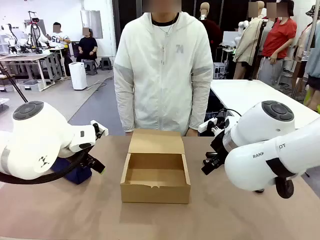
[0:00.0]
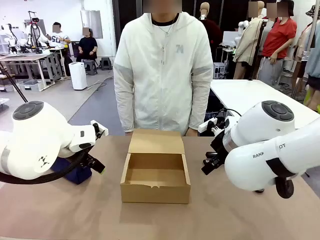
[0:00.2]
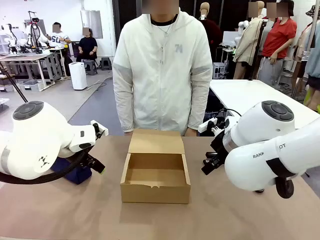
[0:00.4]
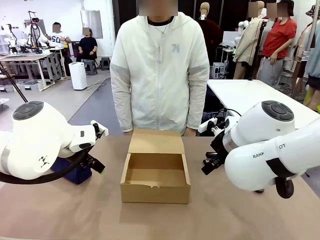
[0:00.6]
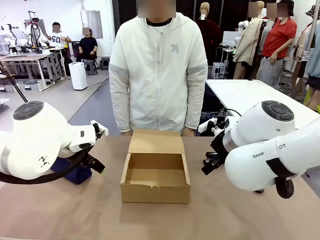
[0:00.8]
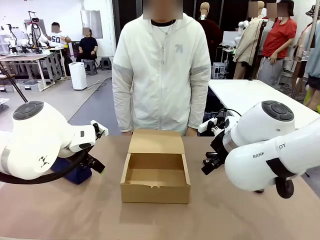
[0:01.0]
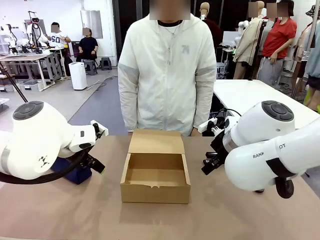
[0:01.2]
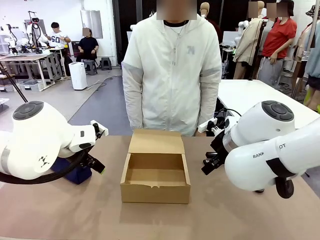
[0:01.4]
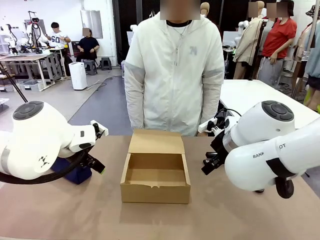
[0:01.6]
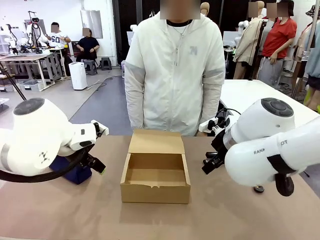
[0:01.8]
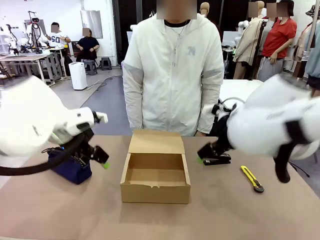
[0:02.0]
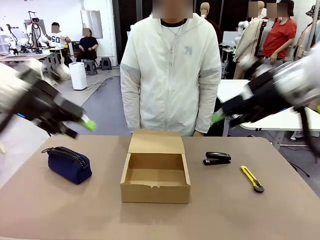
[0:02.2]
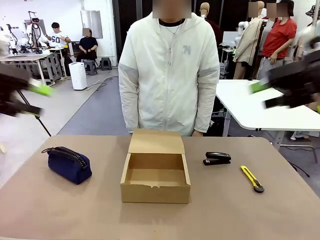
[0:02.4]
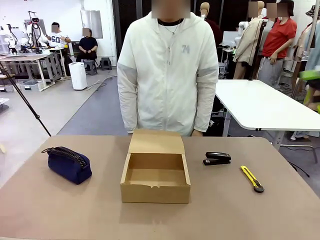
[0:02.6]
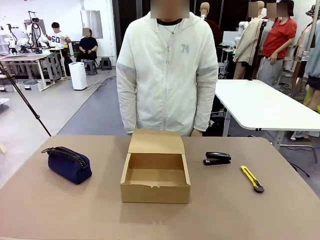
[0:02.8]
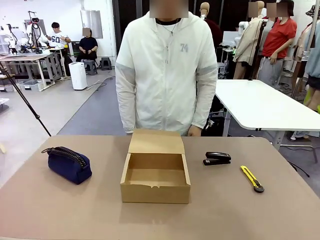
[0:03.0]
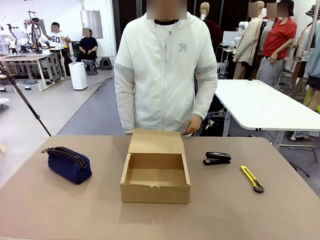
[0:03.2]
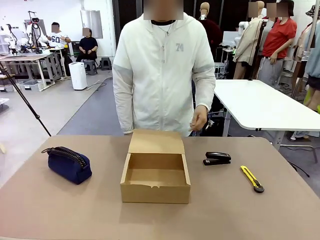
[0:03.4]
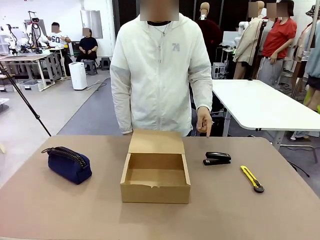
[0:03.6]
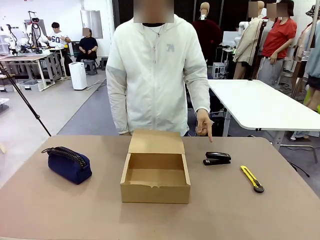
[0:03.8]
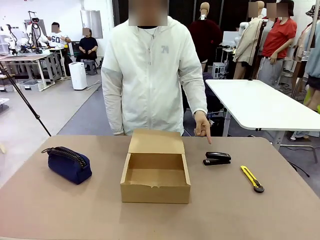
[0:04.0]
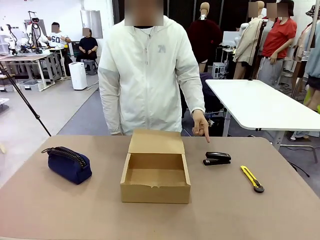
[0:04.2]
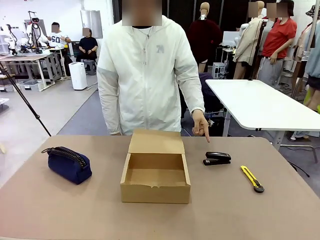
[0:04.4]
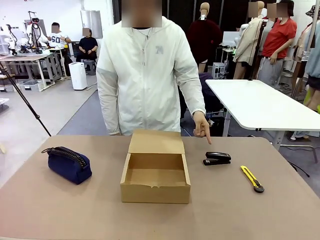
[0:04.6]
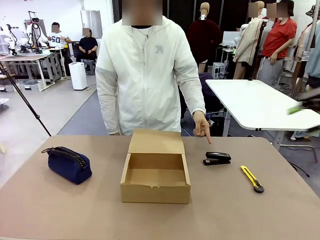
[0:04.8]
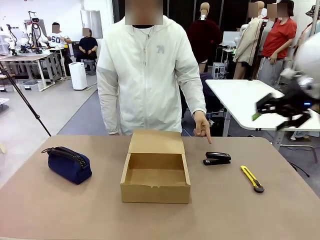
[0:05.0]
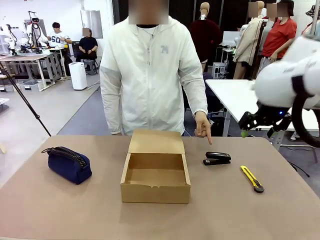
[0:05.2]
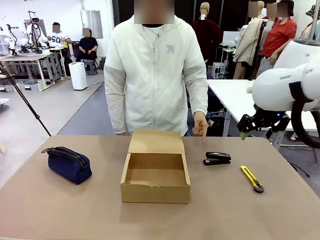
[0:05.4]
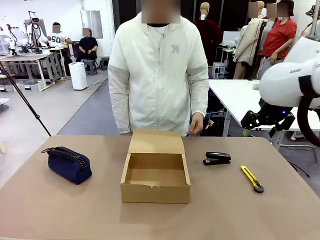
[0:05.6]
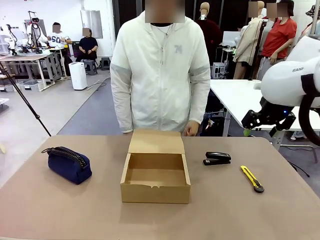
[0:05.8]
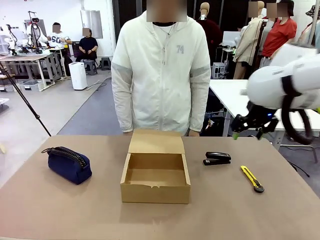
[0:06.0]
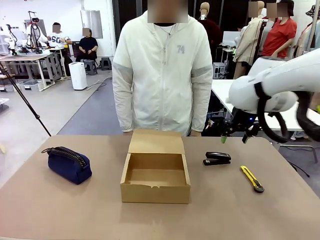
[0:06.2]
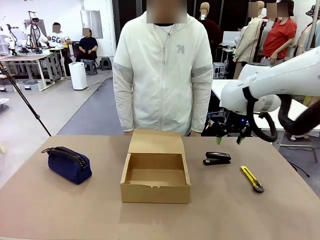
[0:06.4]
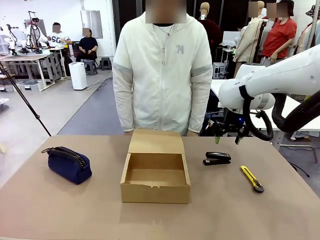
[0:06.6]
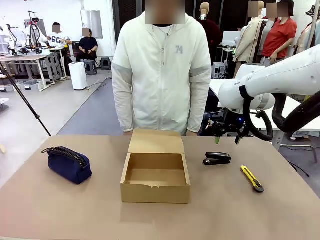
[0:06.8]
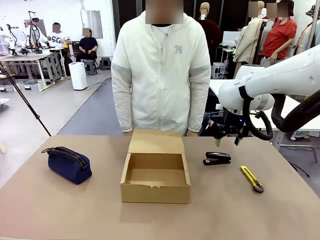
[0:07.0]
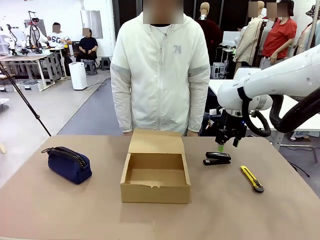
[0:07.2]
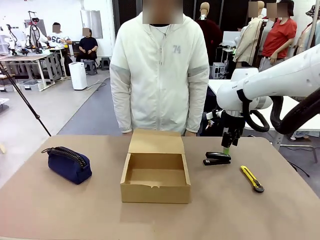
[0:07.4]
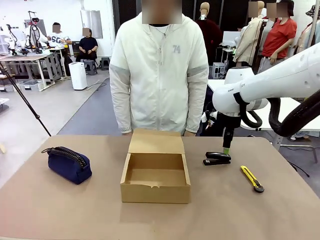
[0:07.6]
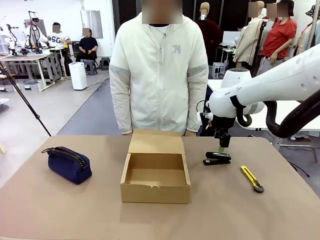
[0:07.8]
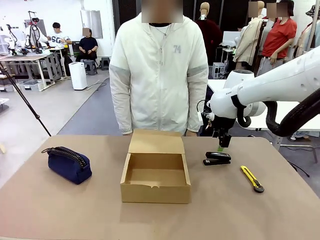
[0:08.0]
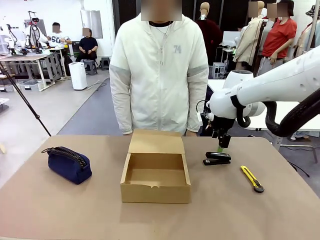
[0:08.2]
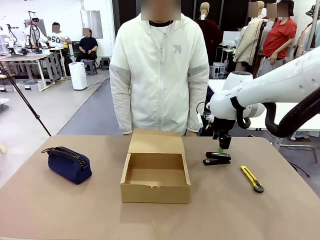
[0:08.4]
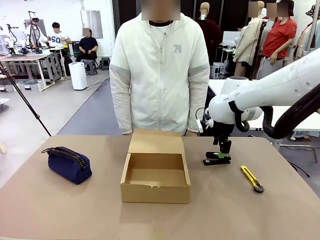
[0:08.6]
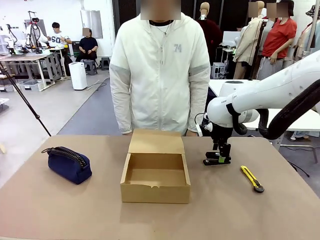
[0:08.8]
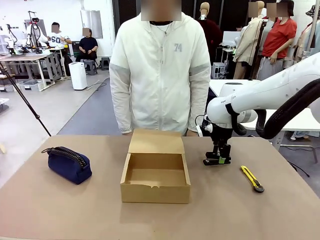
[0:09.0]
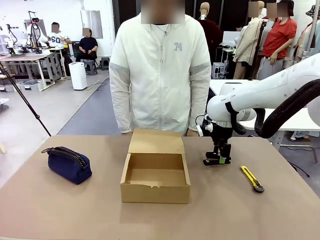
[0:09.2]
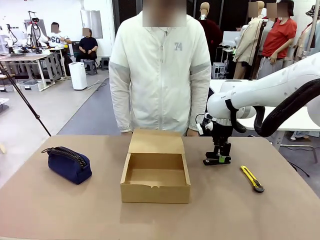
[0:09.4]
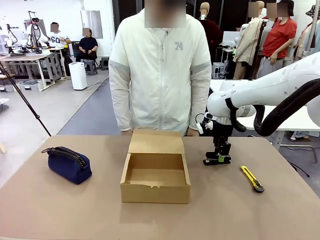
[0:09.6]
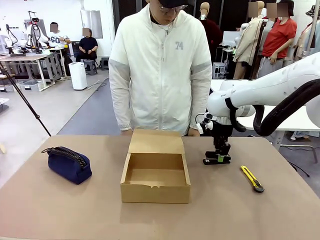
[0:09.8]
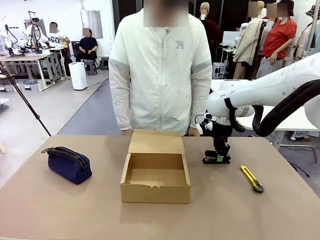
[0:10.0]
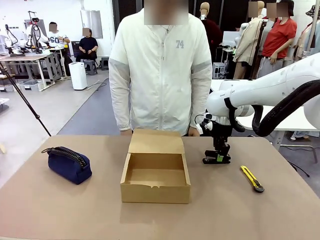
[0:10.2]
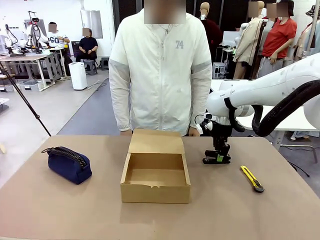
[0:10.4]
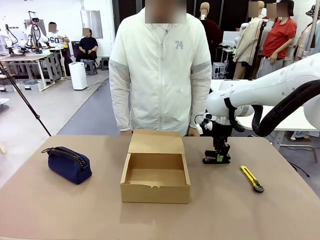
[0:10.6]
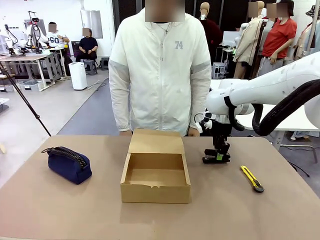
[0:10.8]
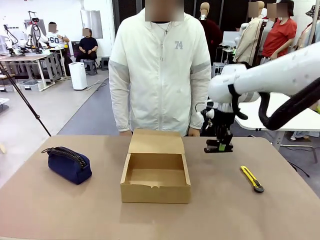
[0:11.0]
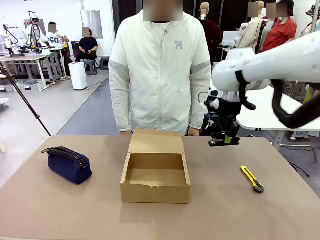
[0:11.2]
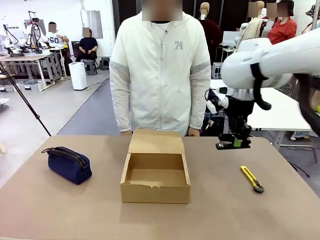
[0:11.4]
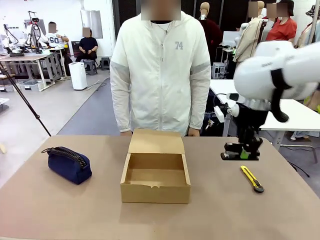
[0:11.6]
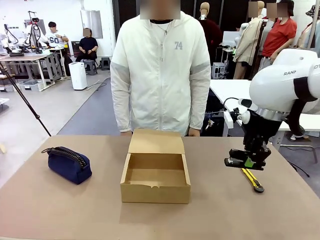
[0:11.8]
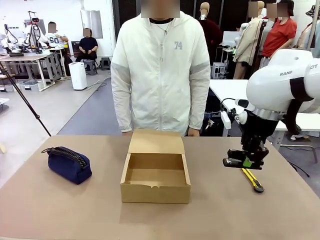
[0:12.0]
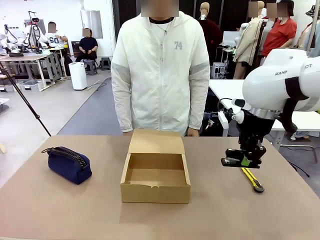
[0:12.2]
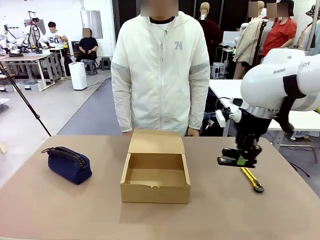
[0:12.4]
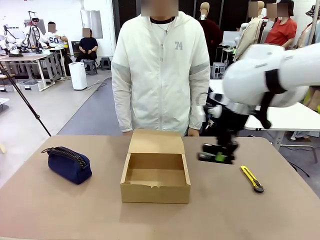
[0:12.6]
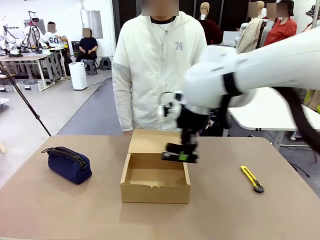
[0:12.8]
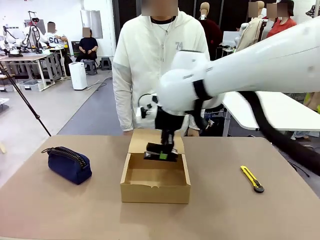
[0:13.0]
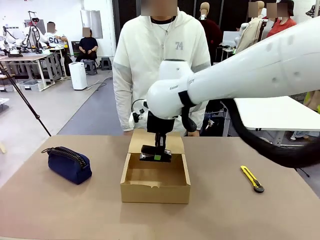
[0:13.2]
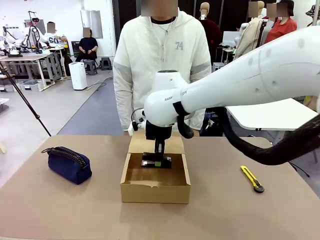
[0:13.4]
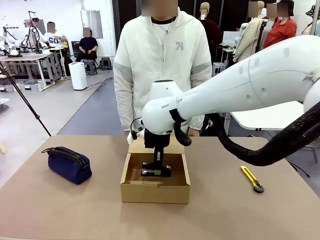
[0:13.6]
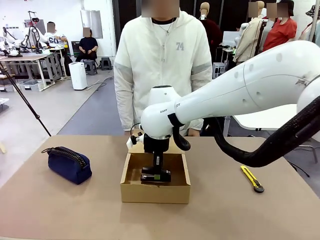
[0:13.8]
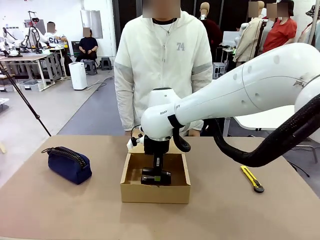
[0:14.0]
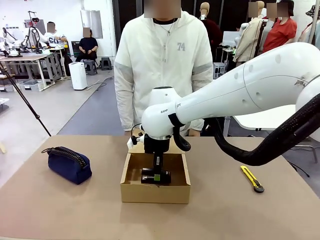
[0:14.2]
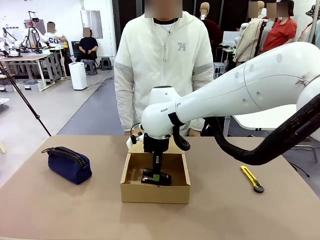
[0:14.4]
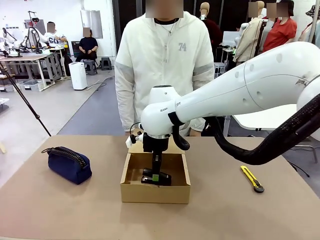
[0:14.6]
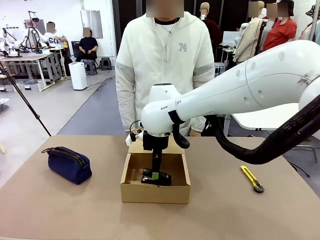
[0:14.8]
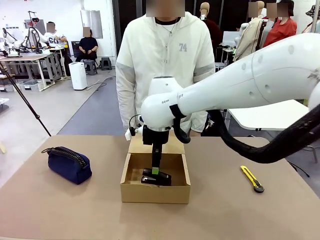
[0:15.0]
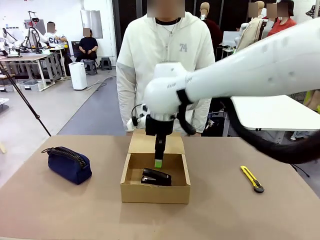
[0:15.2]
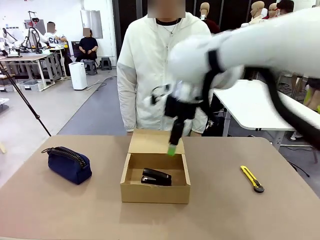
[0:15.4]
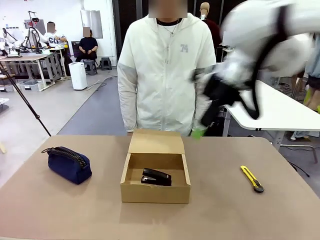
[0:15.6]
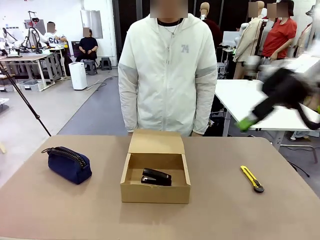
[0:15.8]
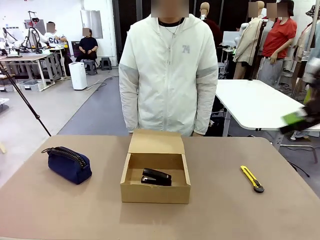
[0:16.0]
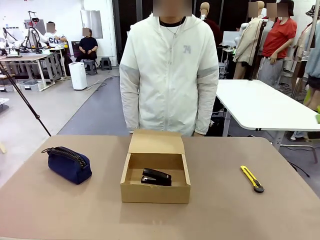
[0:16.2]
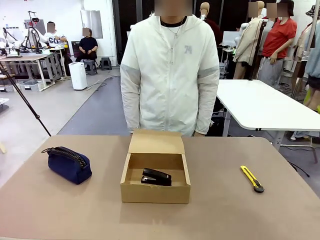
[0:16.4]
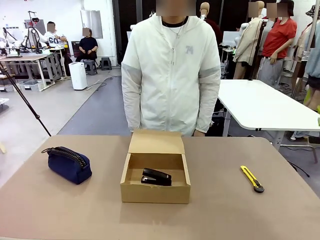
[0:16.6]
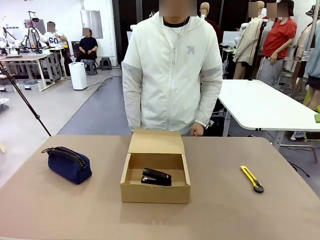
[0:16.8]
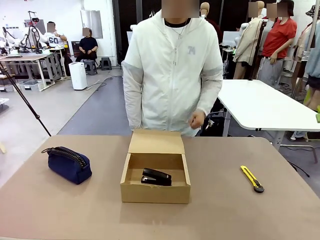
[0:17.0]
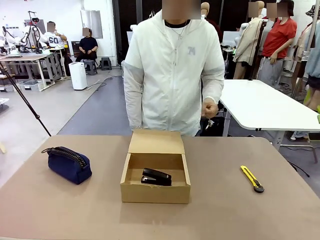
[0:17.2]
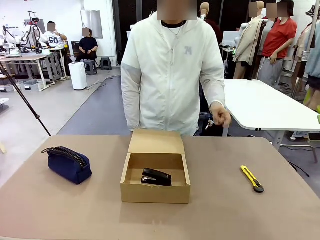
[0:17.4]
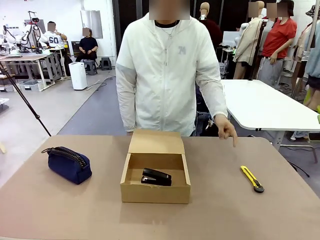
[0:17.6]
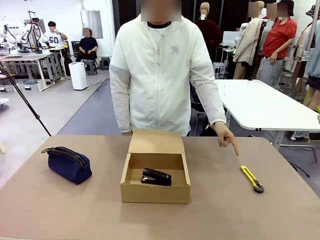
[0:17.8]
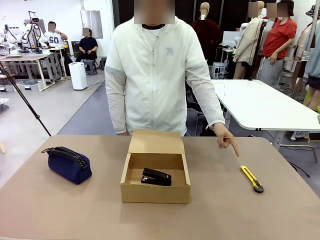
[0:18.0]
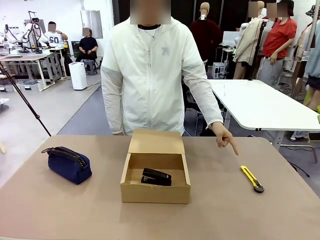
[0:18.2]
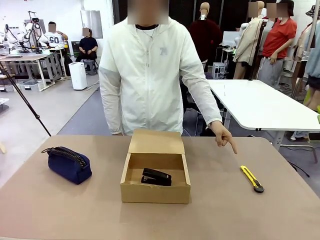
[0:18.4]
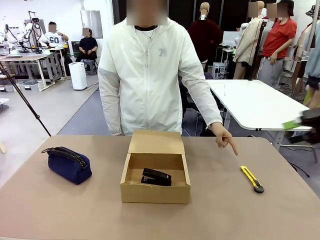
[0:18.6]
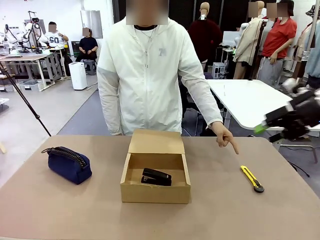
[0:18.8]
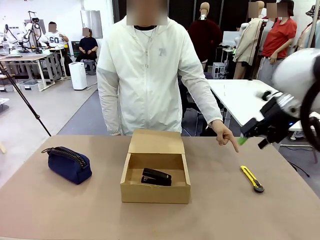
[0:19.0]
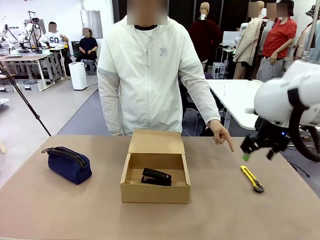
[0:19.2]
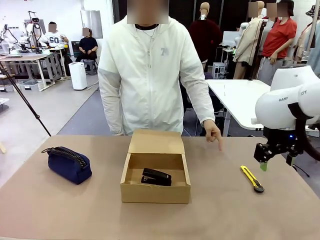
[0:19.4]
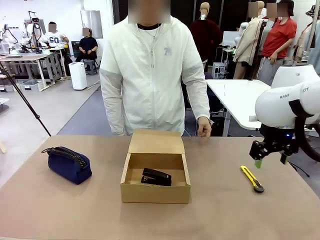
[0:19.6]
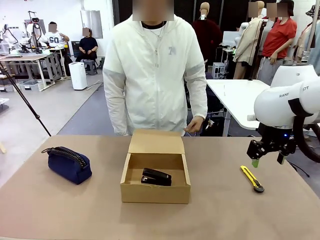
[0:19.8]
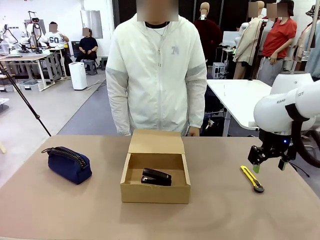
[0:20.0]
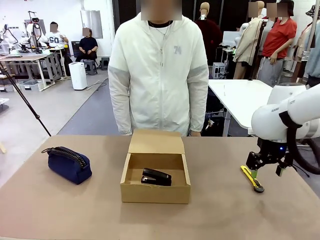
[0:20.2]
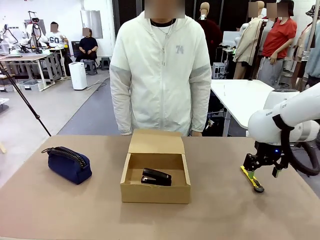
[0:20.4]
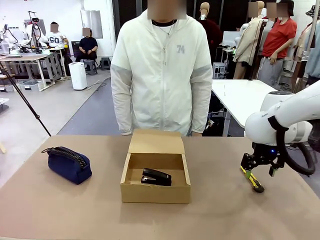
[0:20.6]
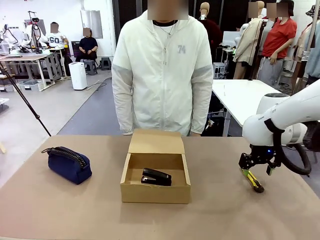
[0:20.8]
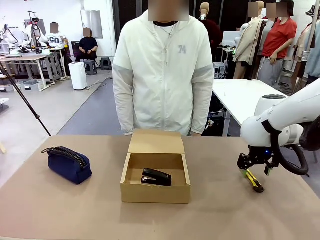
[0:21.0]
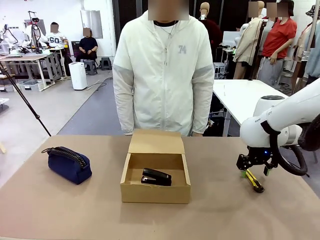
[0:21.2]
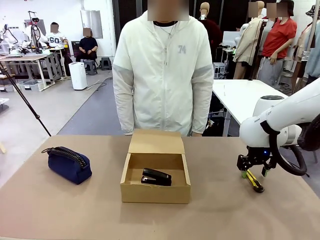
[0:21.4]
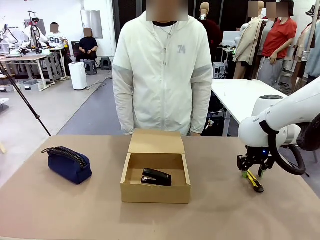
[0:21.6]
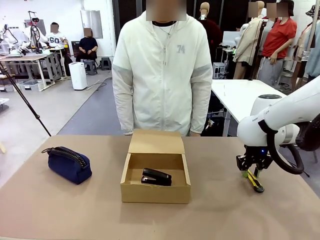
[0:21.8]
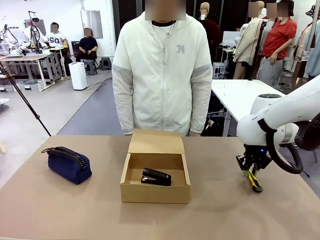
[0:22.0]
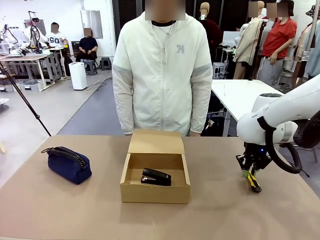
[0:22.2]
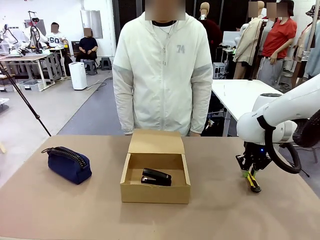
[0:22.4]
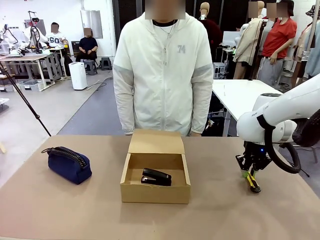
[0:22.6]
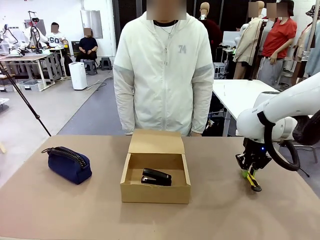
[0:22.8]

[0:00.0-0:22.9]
Task: Pack the items into the box.
Robot: Pick up the item indicated by the person and place it inside the Mailer Box.
Person: Point at one item on the table (excluding the box).
